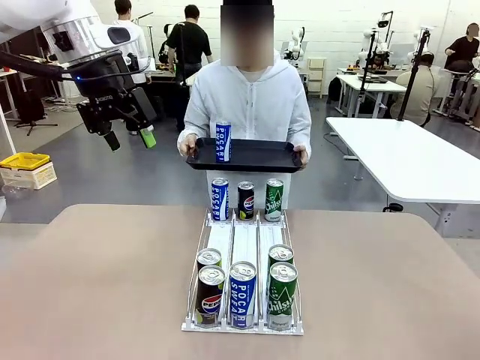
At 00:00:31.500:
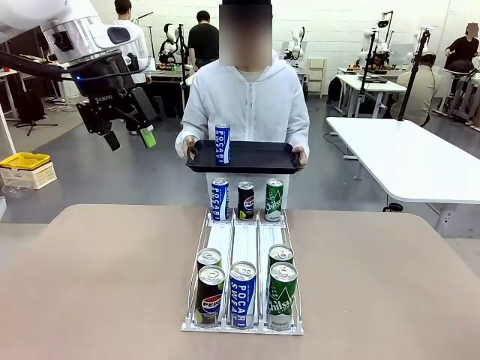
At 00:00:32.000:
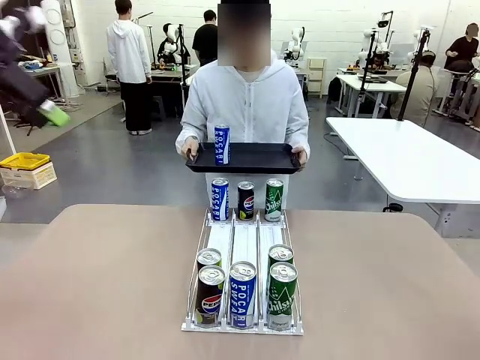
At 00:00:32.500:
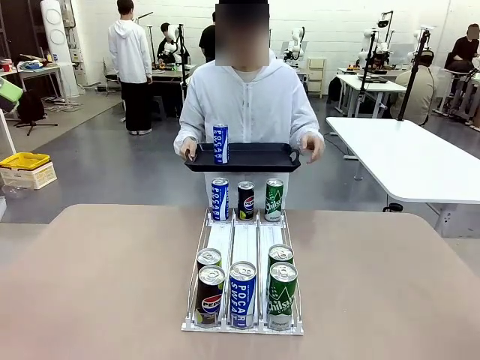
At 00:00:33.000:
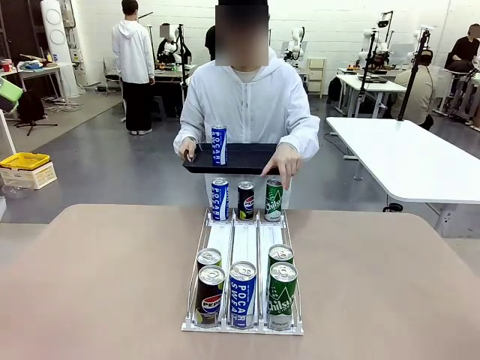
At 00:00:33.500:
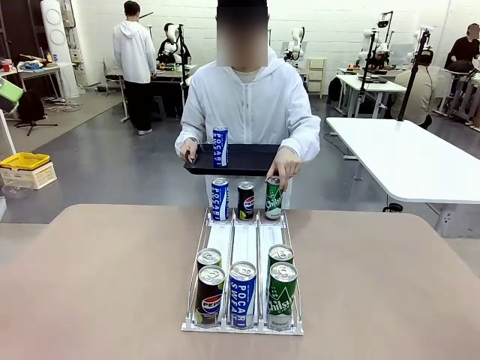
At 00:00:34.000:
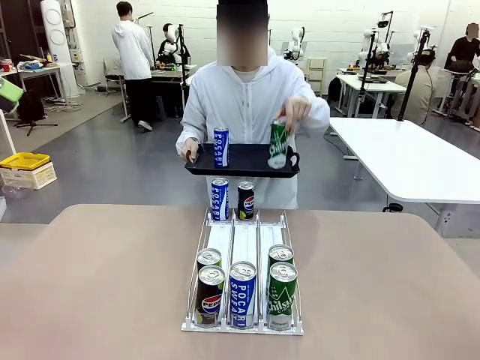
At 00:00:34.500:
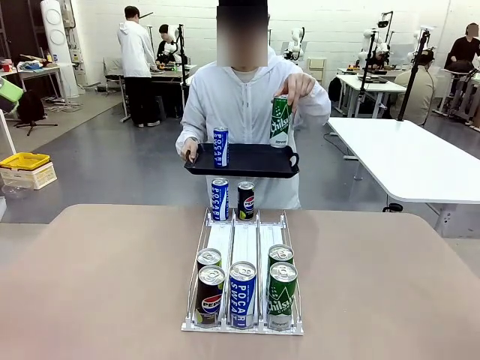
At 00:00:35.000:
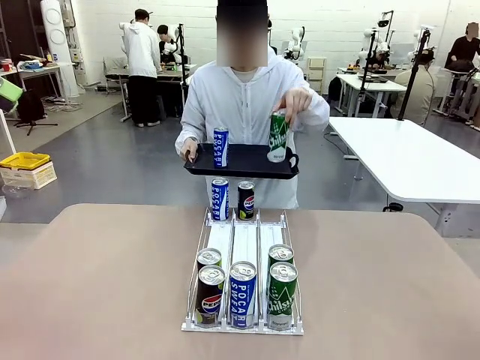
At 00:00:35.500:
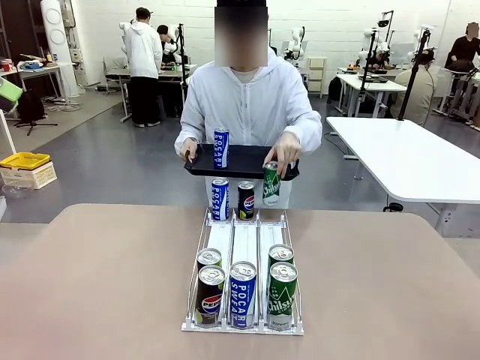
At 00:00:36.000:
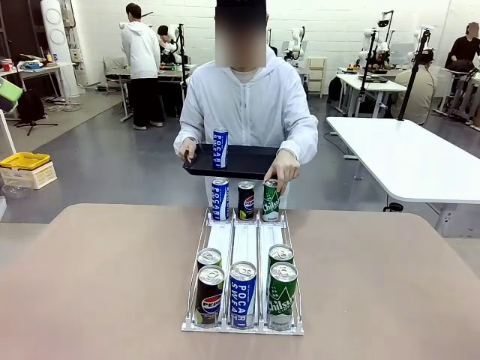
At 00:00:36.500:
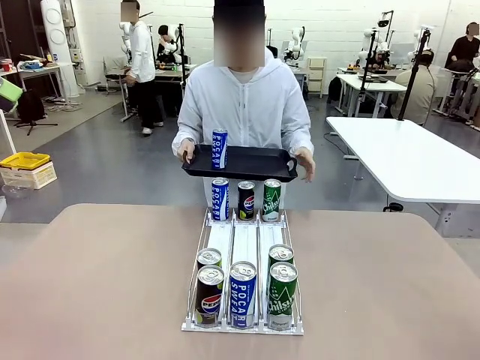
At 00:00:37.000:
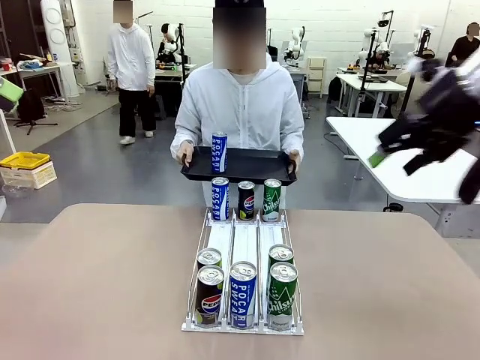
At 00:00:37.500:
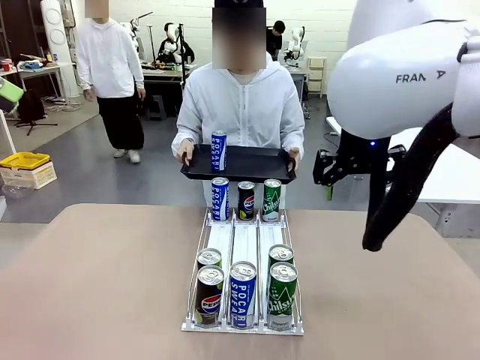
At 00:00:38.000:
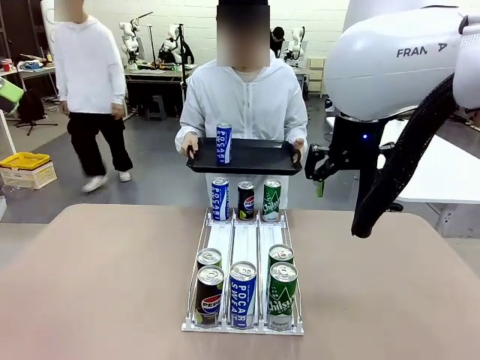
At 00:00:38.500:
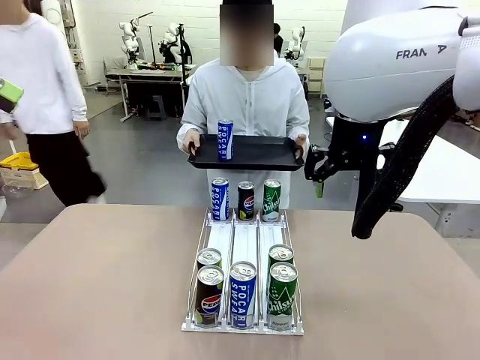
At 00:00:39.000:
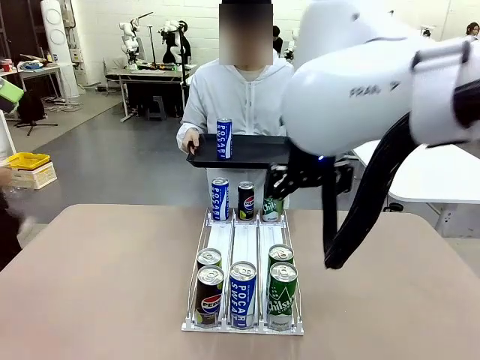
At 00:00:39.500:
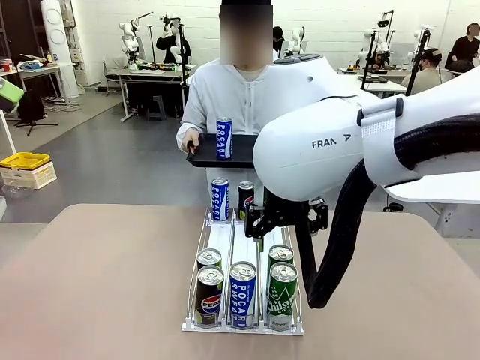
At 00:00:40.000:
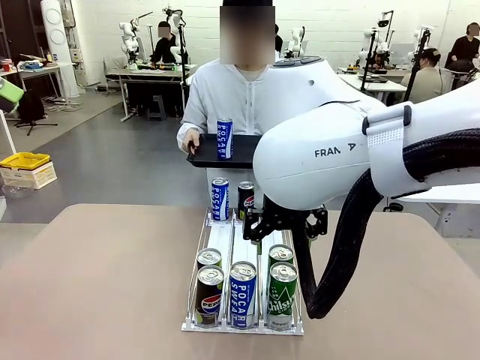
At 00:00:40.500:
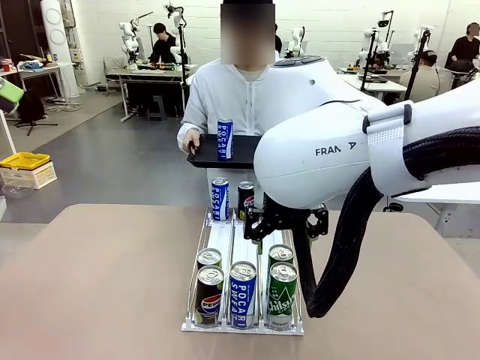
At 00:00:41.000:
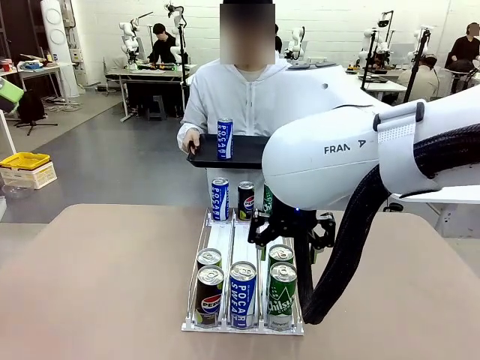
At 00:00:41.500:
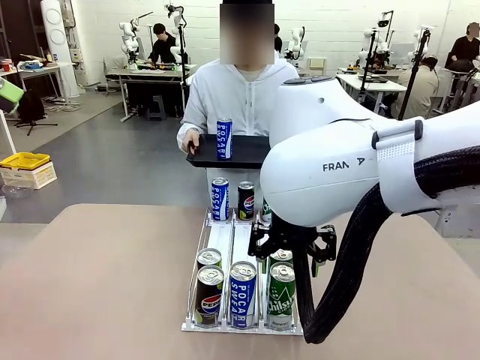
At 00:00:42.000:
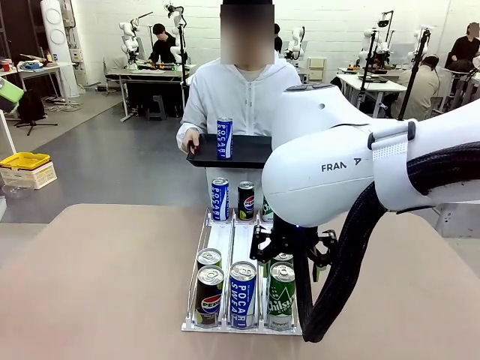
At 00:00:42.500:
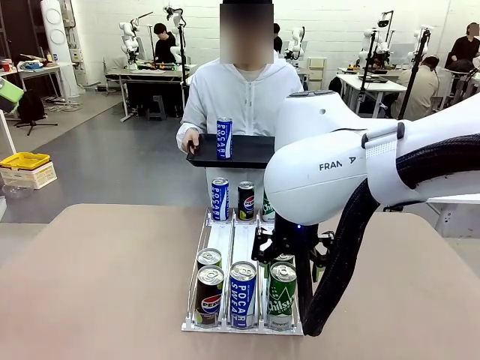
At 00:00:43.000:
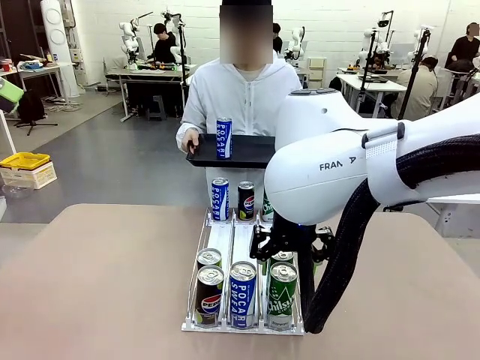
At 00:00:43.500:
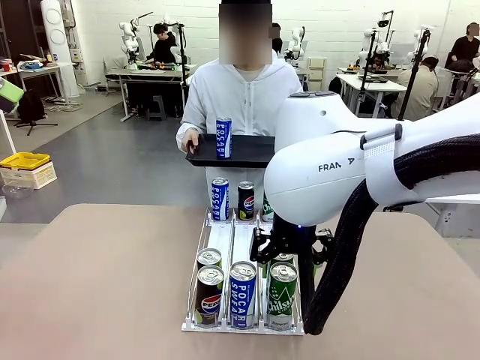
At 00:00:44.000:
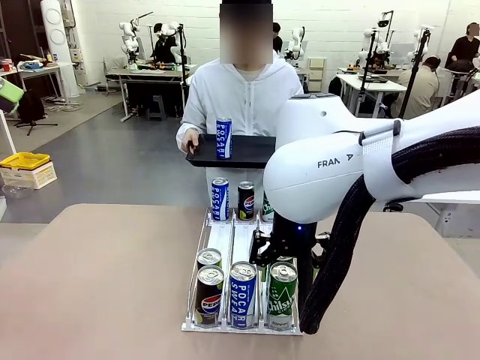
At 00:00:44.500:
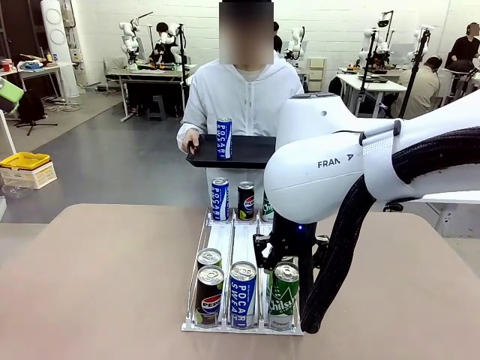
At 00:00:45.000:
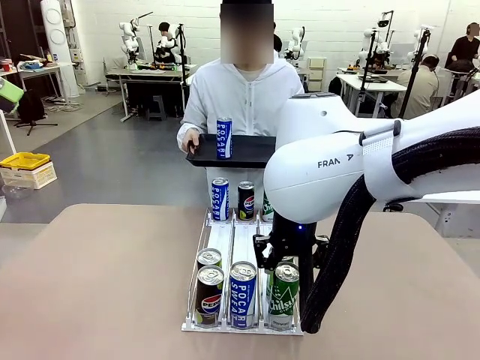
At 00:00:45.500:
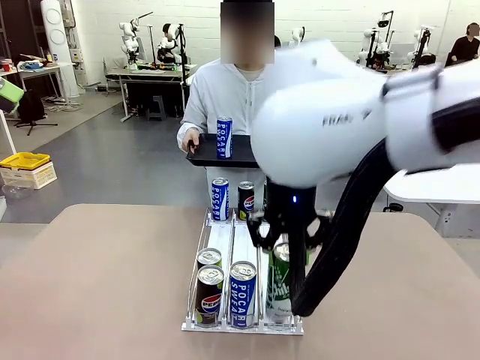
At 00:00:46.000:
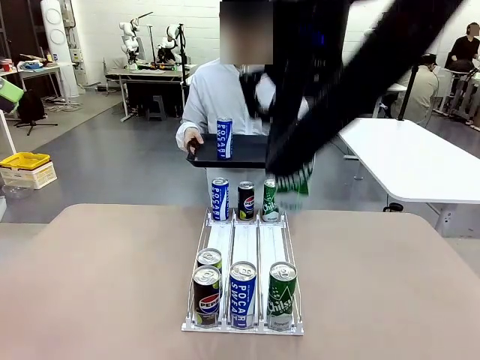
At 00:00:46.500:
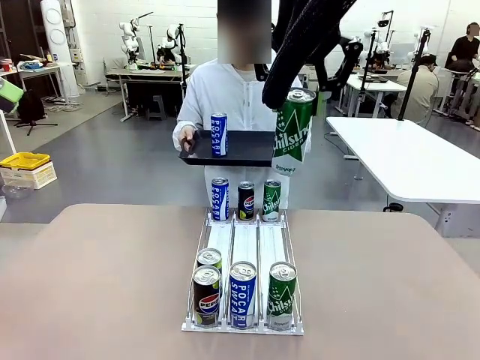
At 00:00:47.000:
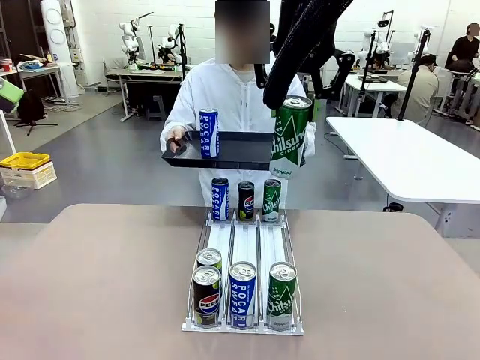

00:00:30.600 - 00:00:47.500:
Task: Retrieve and hand over the desired beverage to the person.
Robot: Pick up another can of the same type that the person held from the Automatic Can Dispenser.
Person: Pull the tray back, then pick up another can from the bottom area of the table and puts it back in its original place. Push the tray toward the robot again.

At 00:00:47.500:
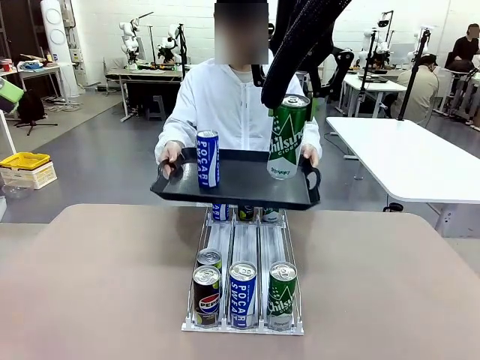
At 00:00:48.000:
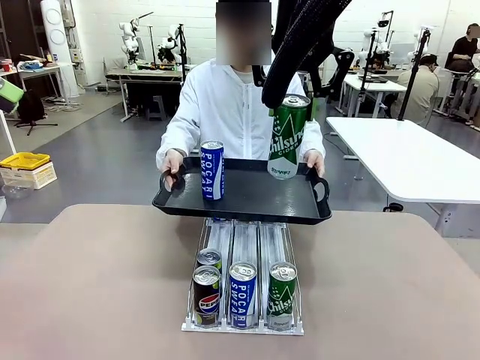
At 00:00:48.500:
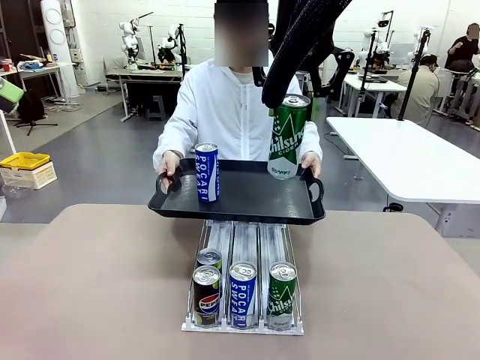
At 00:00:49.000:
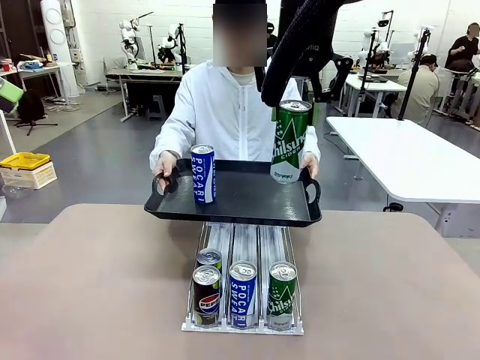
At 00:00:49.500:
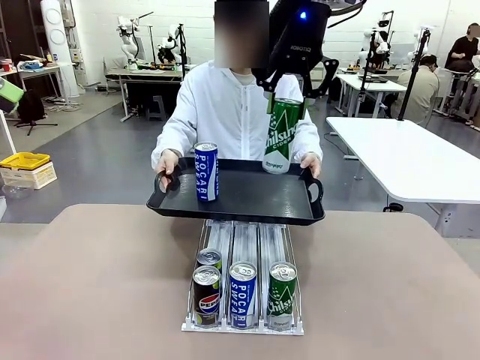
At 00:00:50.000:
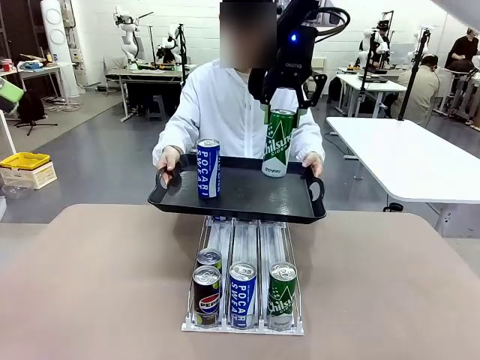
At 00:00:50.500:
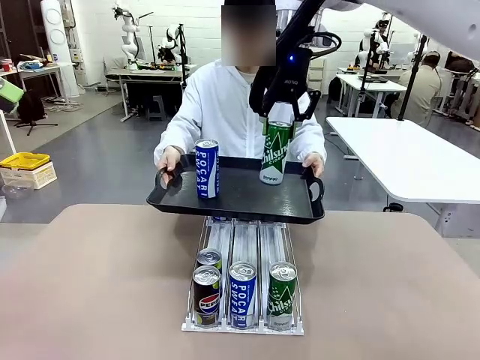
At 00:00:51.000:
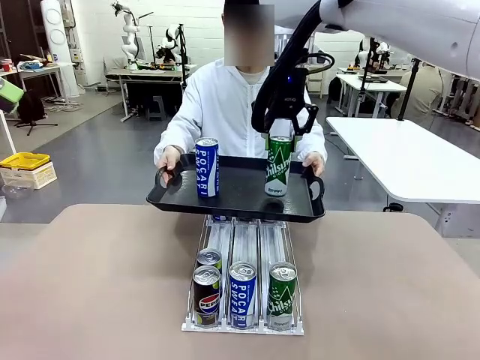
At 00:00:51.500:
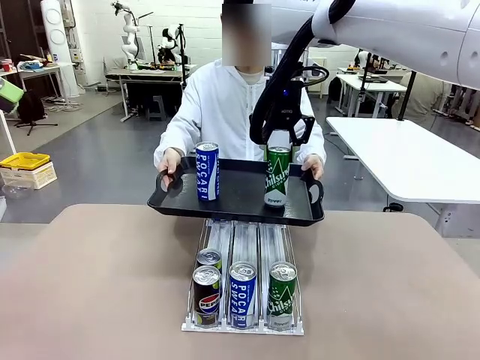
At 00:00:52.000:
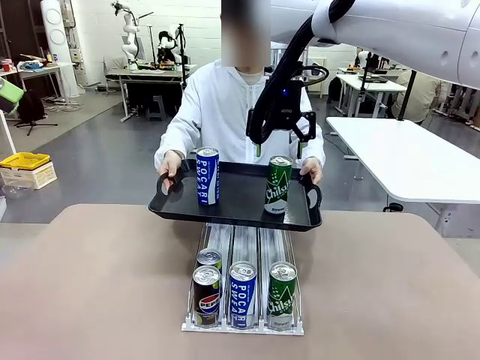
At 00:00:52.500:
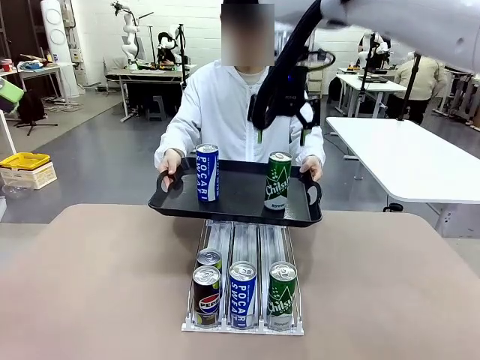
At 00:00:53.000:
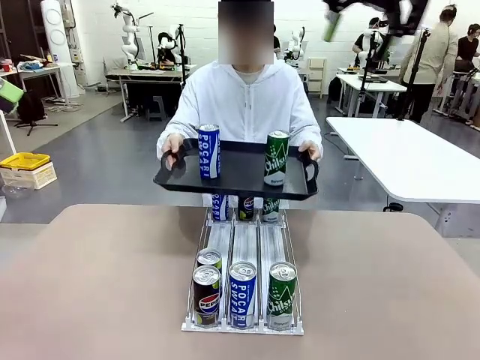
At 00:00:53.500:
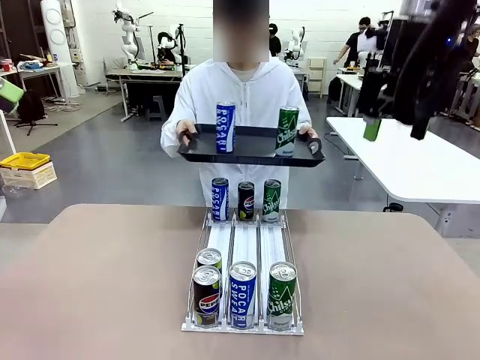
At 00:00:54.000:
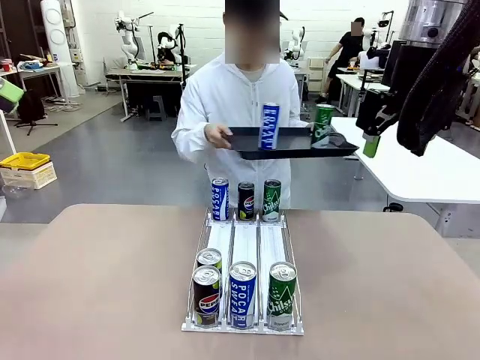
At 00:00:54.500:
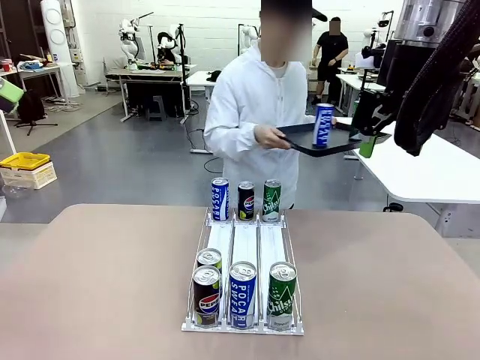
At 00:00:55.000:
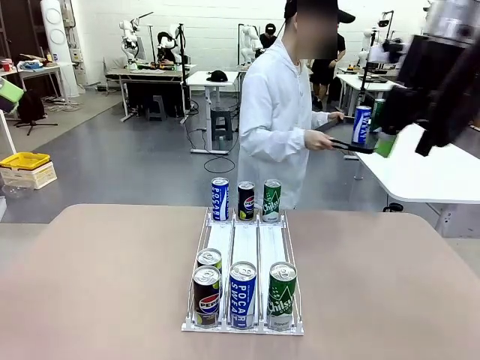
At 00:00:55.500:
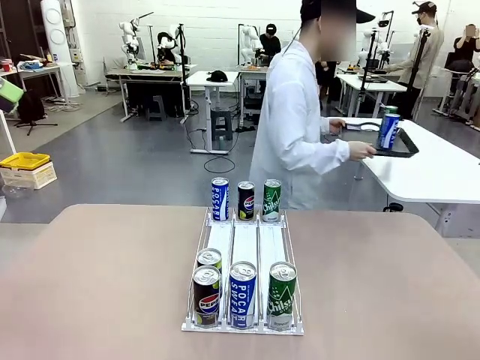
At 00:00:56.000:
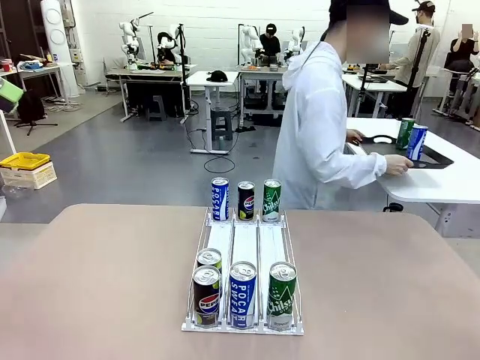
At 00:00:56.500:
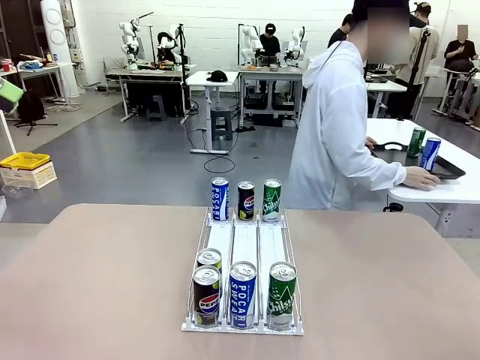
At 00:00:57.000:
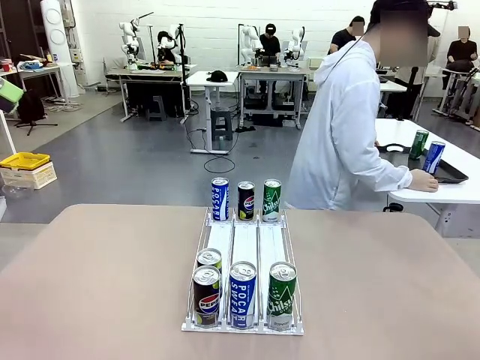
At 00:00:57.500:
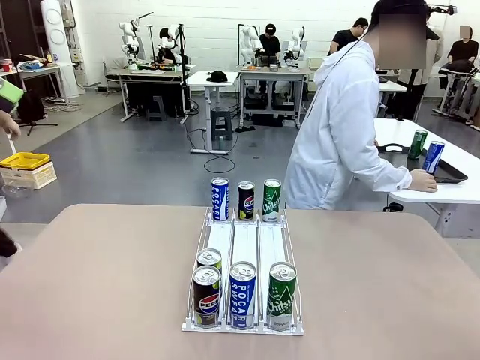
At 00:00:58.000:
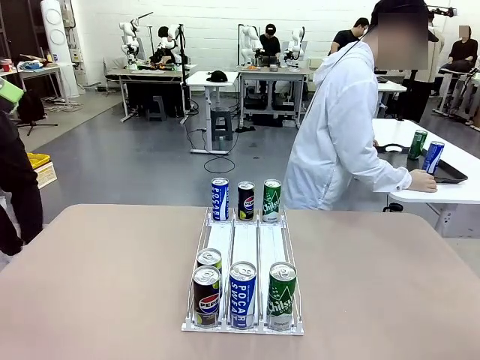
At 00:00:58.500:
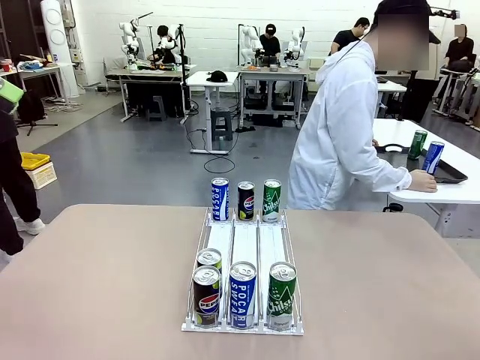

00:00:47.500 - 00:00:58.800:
Robot: Place the picked can on the Handle tray extended by the person.
Person: Pull the tray back and place it at the center of the human table.
